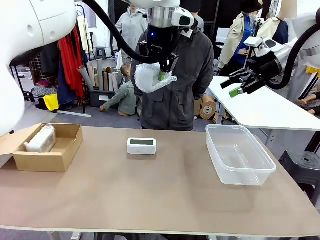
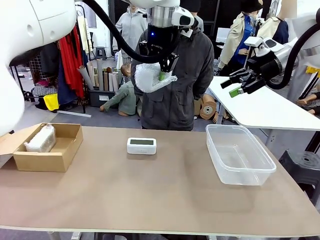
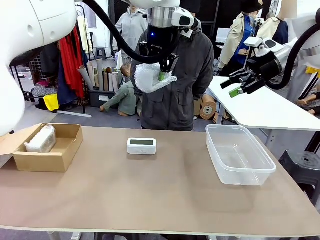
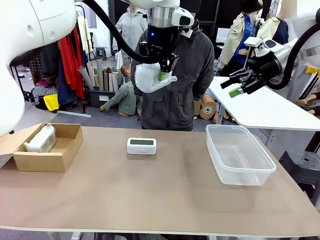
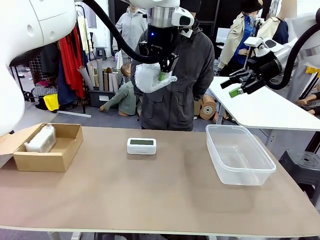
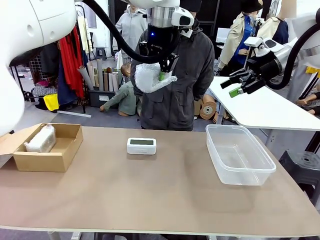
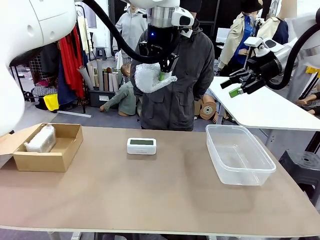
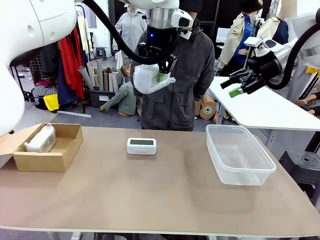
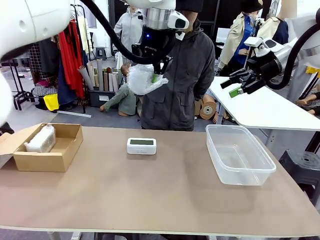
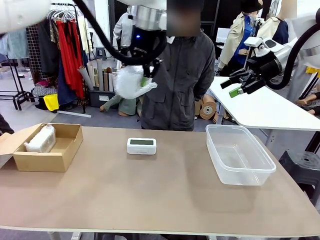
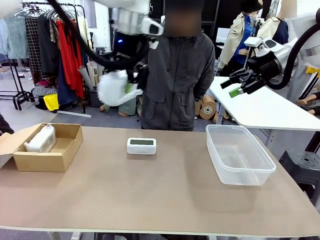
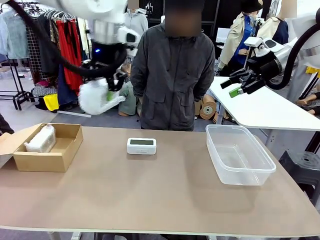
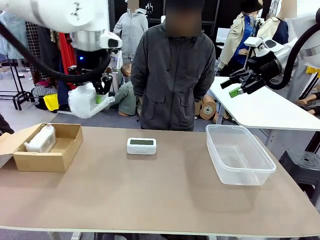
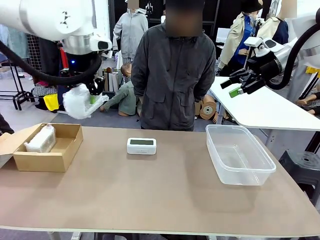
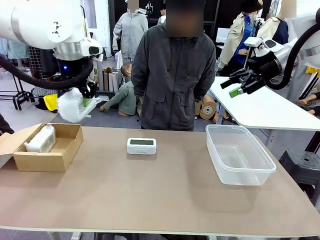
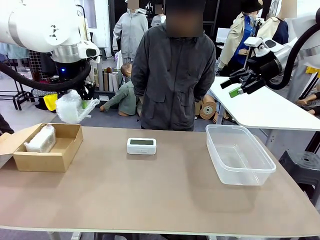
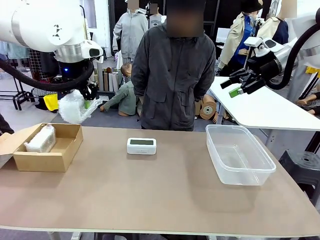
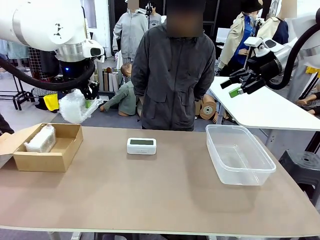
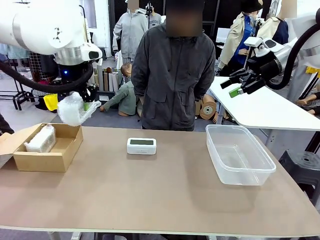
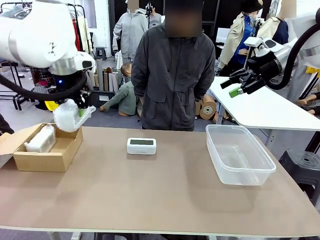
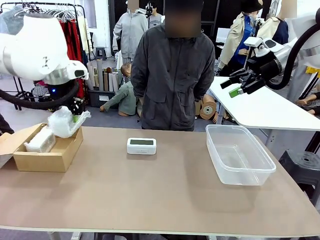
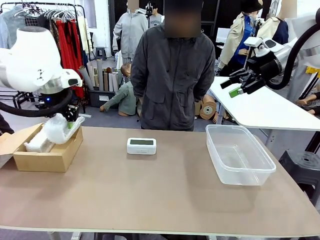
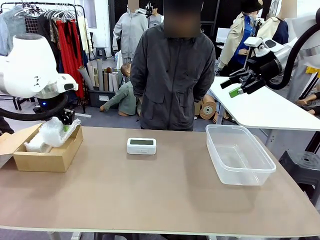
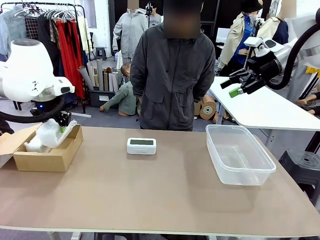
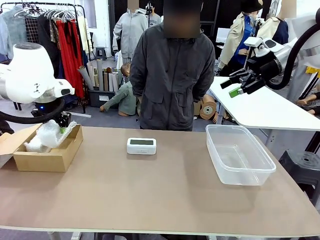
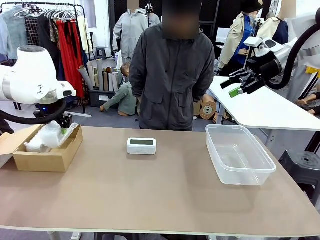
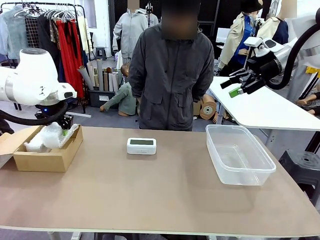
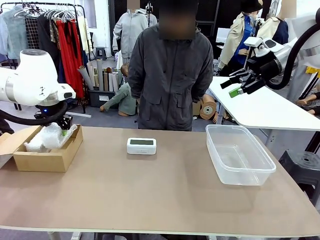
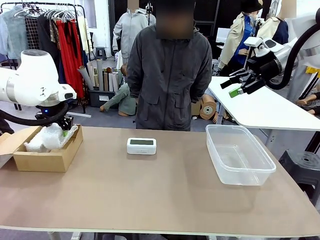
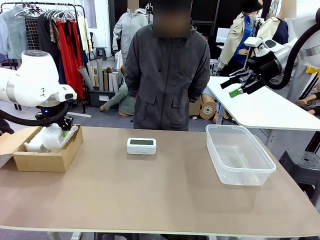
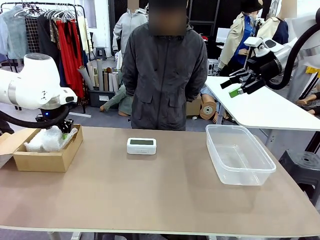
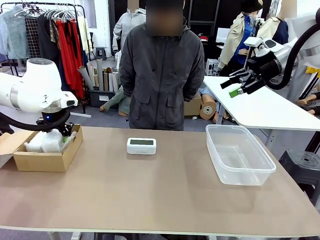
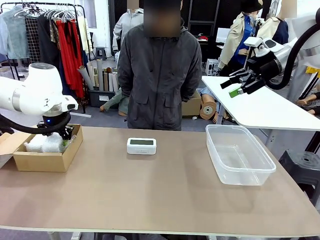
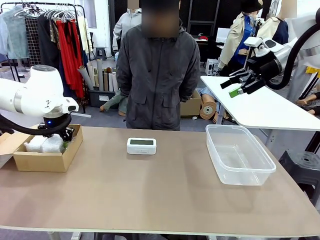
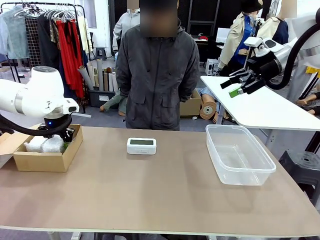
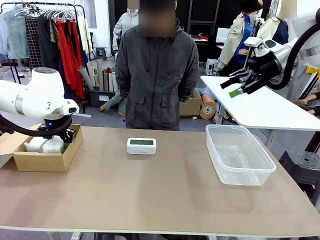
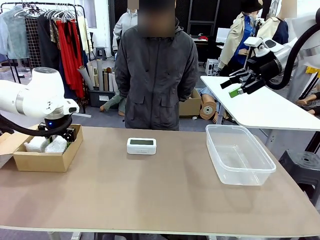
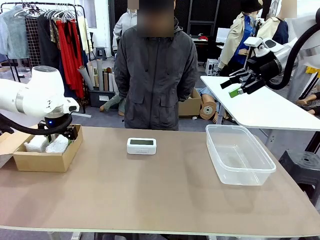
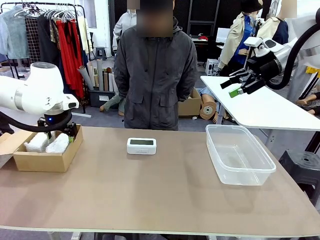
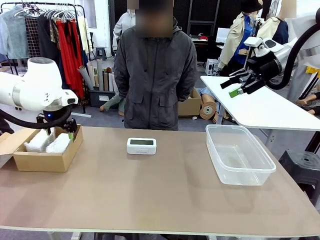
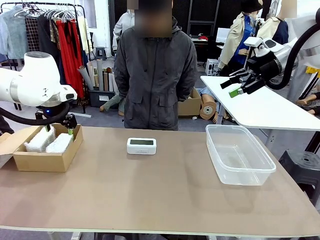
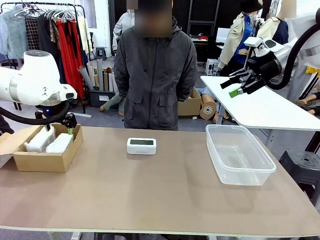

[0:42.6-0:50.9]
Task: Separate and place wrapped and unwrapped clocks.
Robot: If the picked Digital clock is wrapped, place it in the Package Box ; if not, place it in the Organizing box.

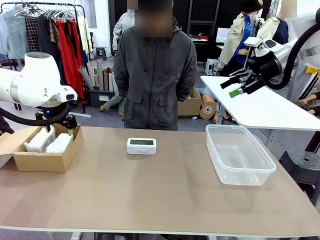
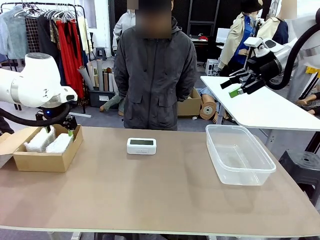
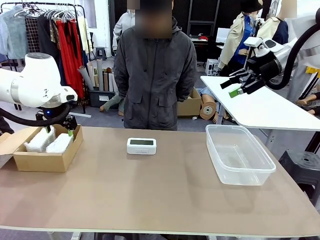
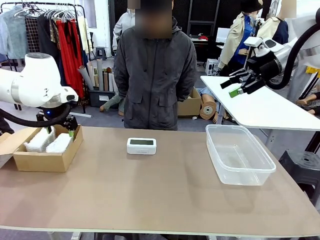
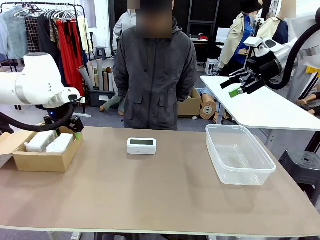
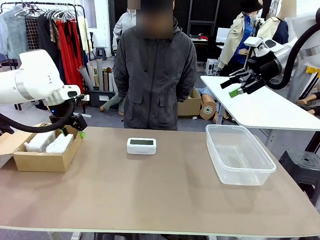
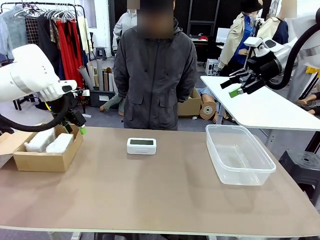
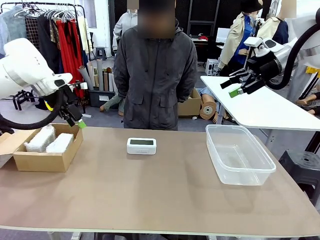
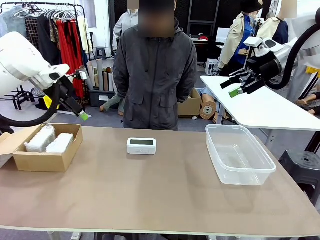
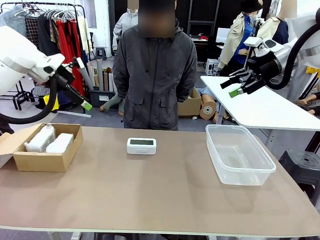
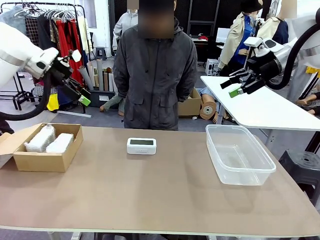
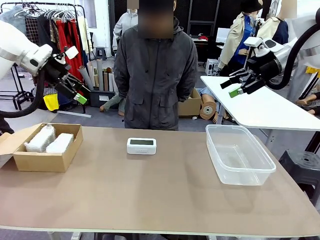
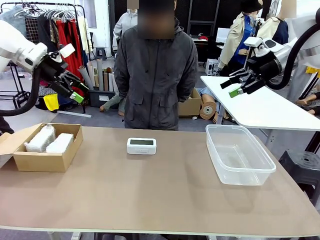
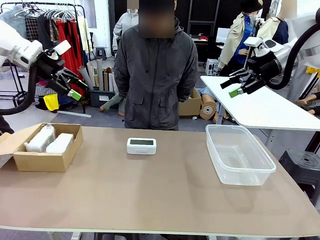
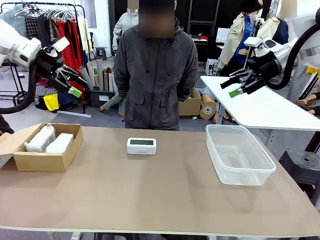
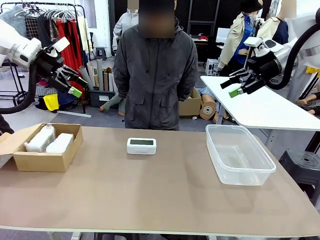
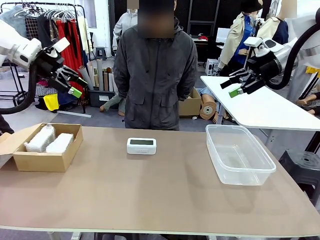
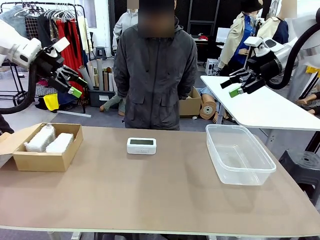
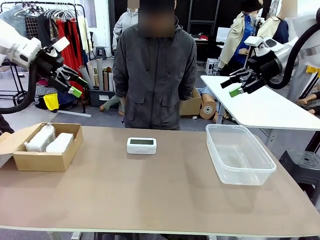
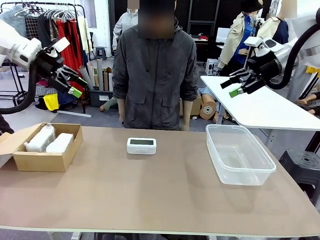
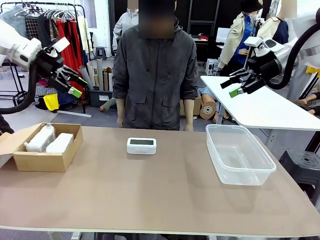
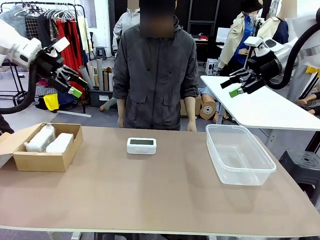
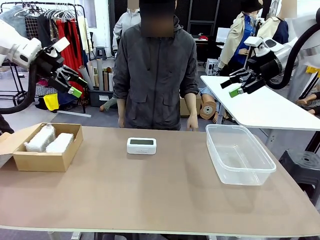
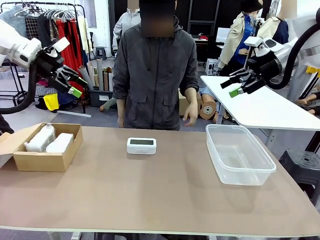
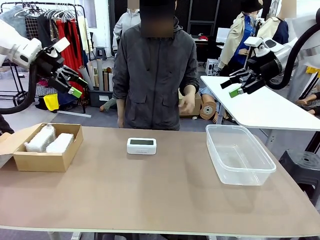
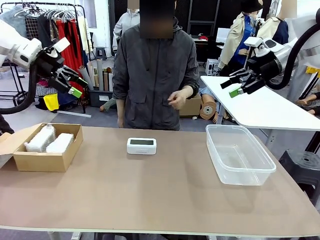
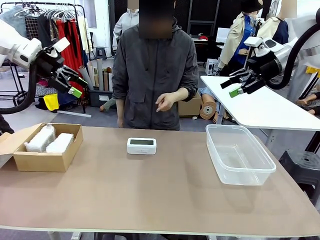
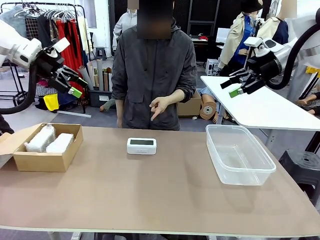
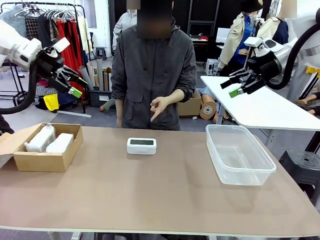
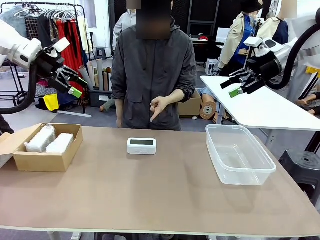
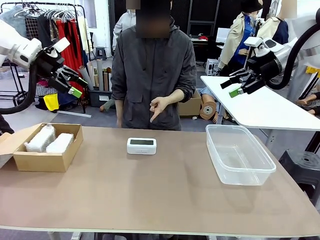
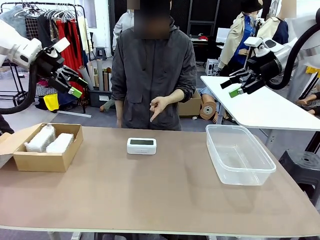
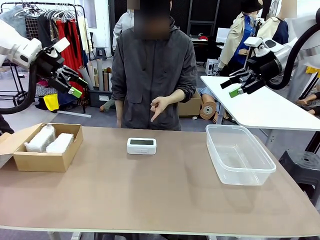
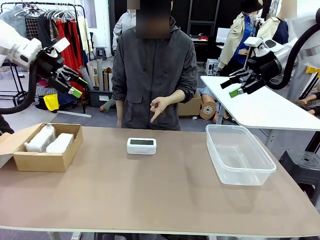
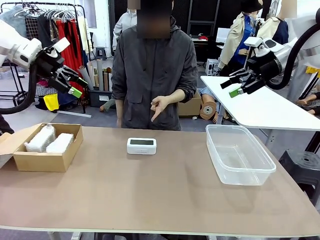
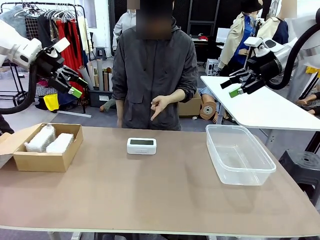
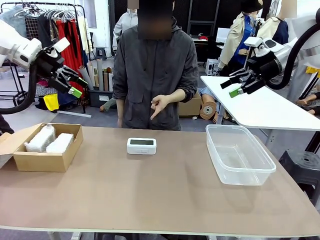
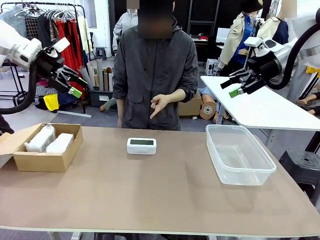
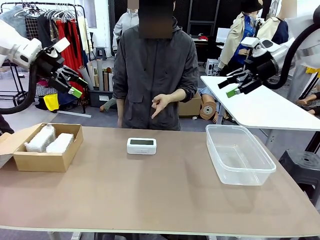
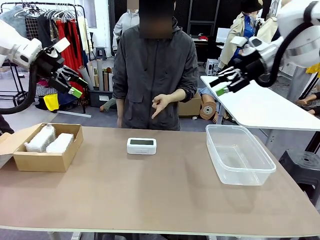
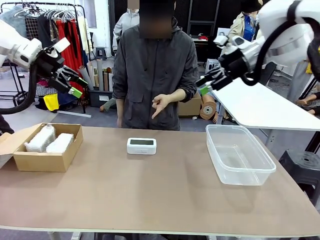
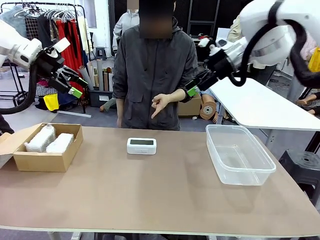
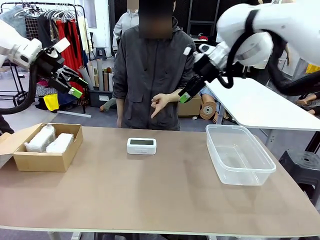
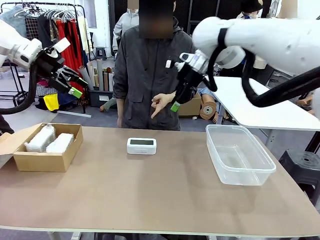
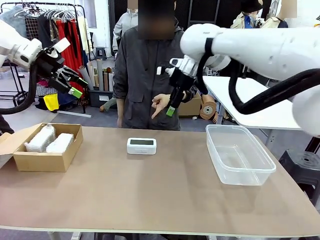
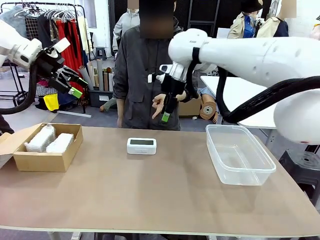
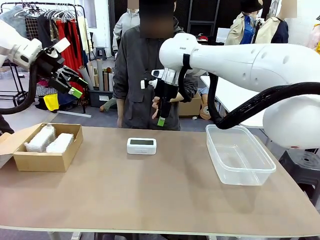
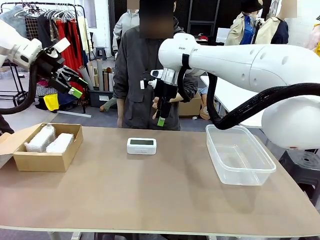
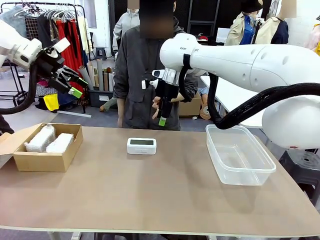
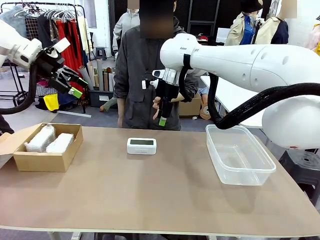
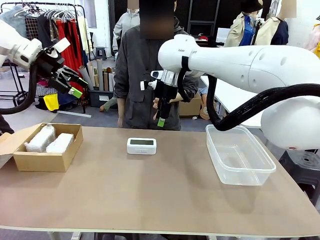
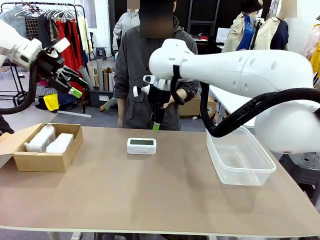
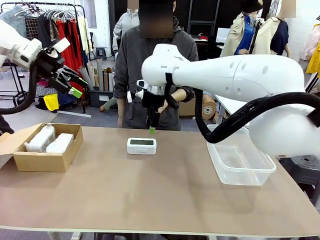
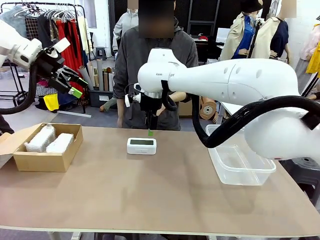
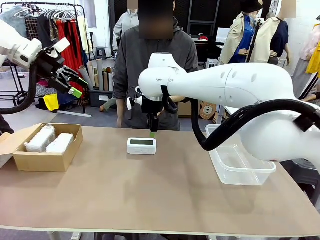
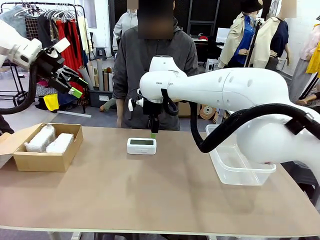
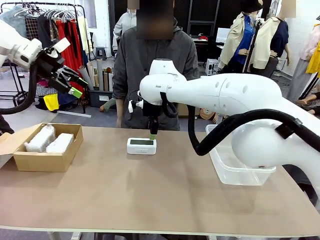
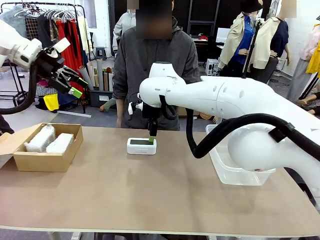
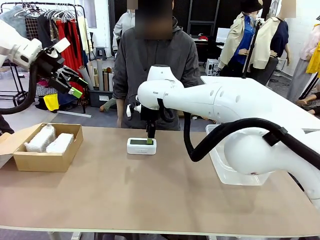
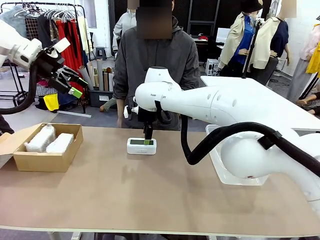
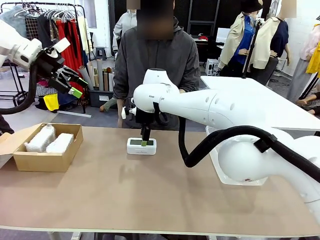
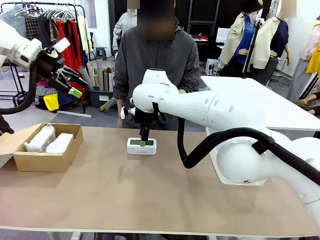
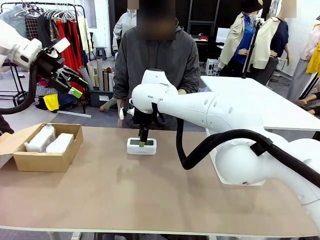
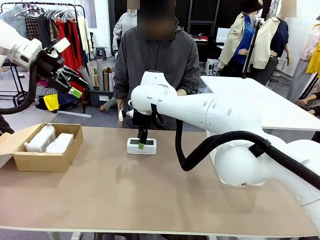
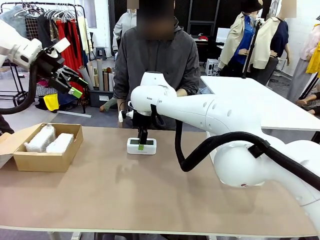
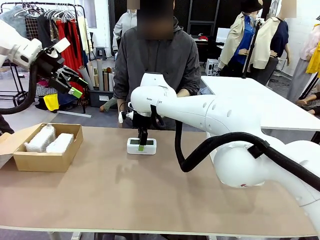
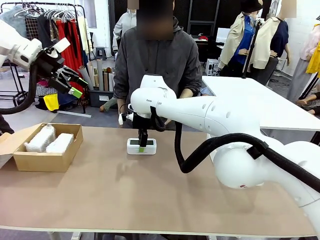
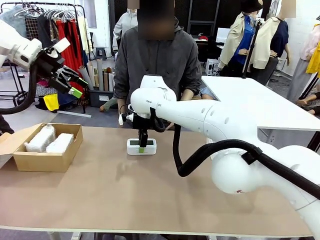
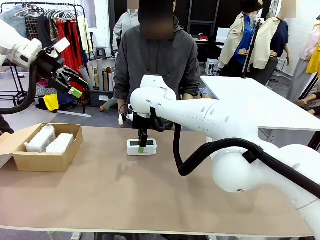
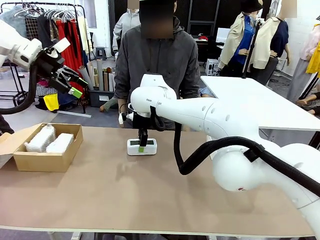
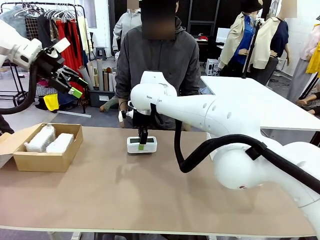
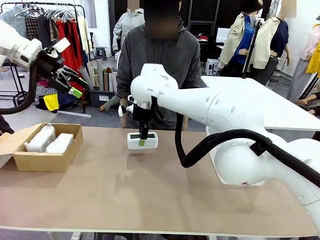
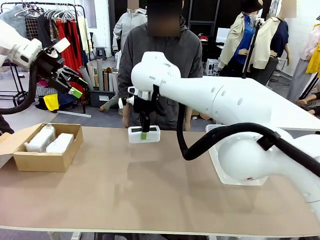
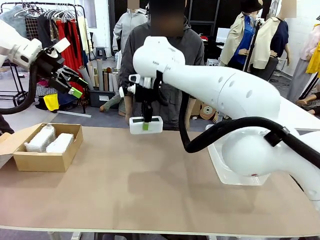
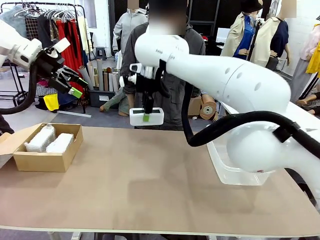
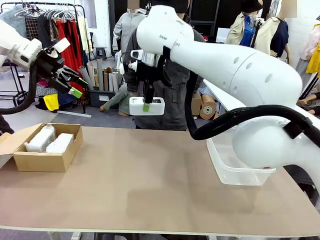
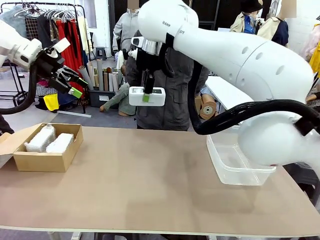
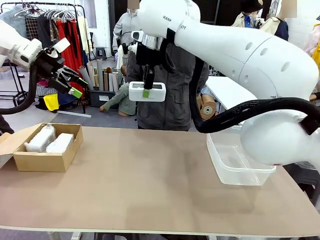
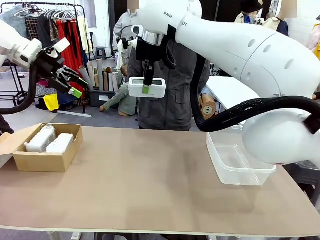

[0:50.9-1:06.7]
Robot: Pick up the Digital clock indicated by the person.
